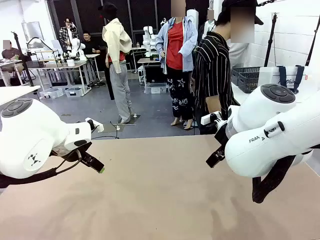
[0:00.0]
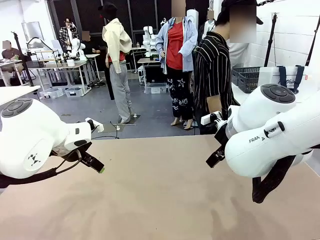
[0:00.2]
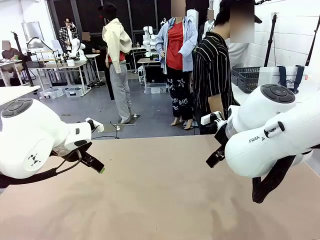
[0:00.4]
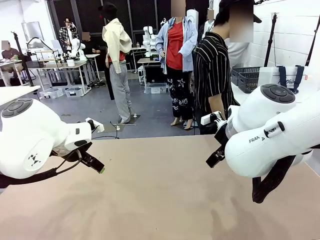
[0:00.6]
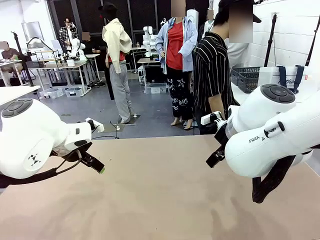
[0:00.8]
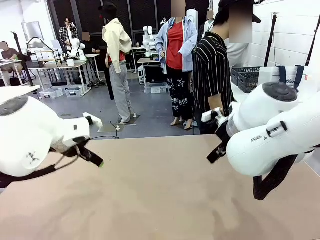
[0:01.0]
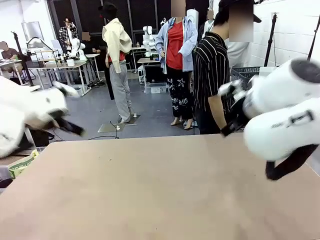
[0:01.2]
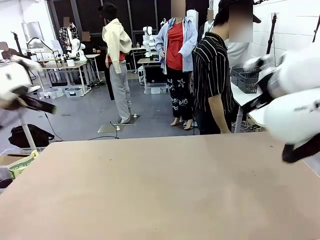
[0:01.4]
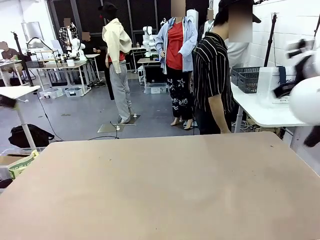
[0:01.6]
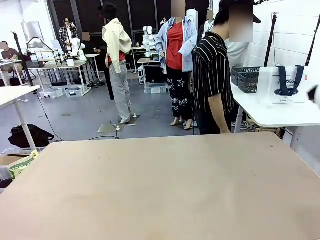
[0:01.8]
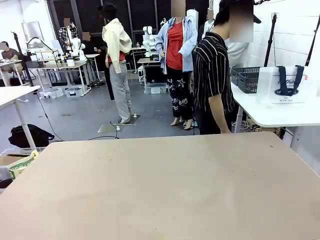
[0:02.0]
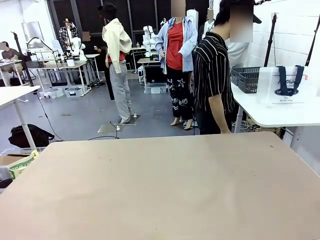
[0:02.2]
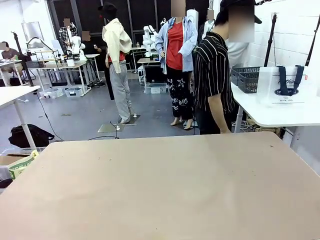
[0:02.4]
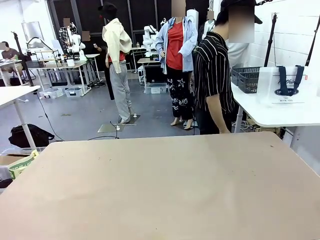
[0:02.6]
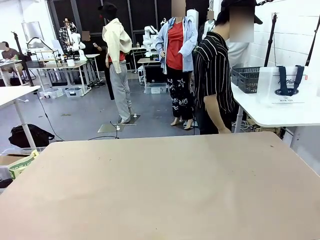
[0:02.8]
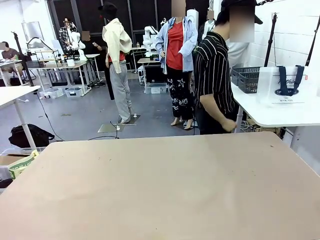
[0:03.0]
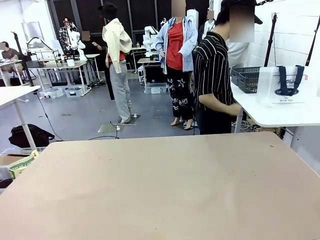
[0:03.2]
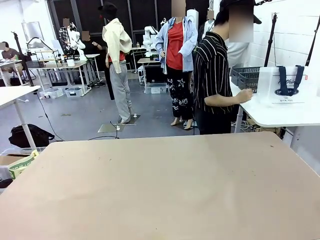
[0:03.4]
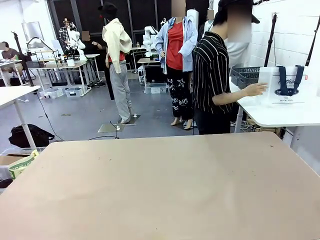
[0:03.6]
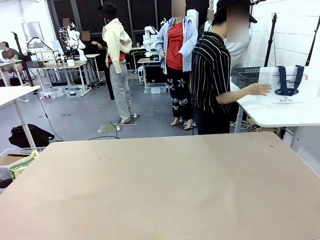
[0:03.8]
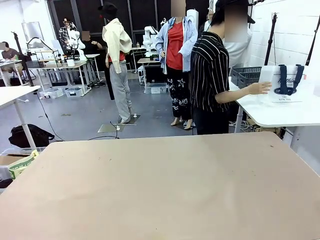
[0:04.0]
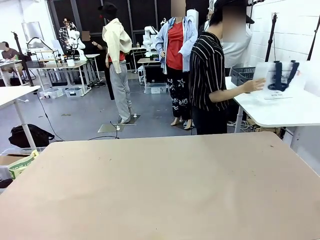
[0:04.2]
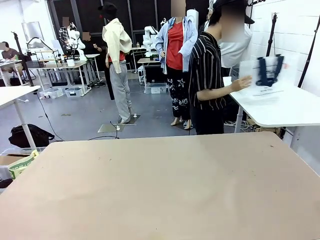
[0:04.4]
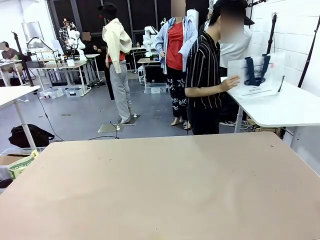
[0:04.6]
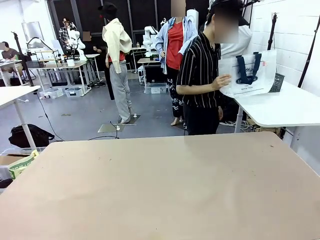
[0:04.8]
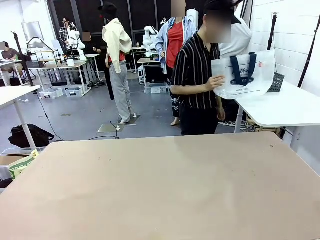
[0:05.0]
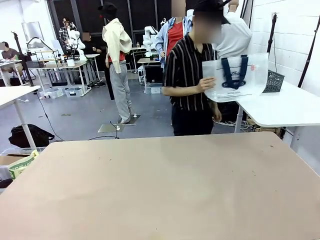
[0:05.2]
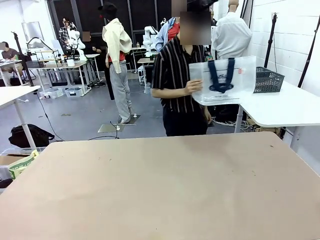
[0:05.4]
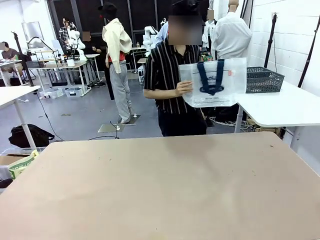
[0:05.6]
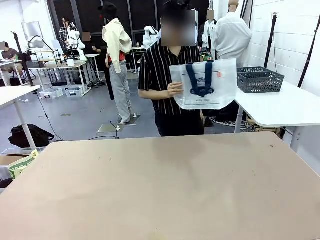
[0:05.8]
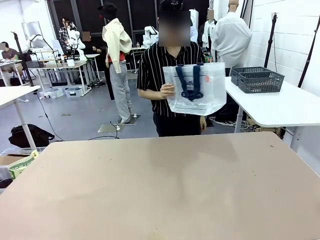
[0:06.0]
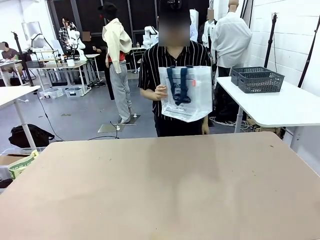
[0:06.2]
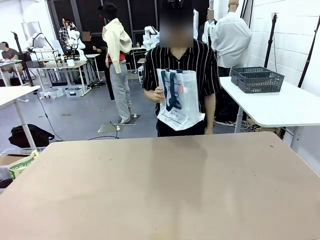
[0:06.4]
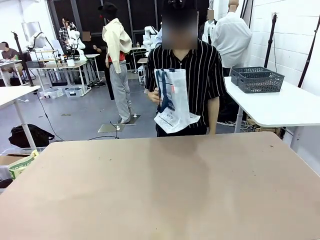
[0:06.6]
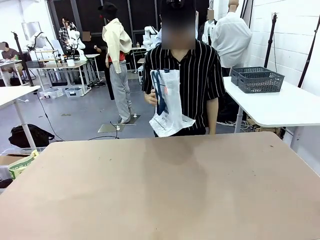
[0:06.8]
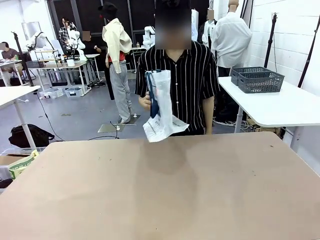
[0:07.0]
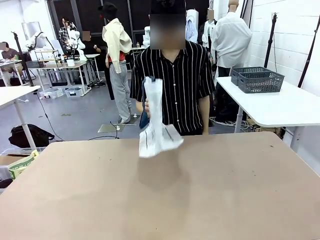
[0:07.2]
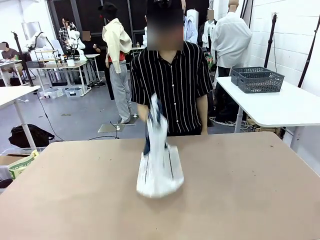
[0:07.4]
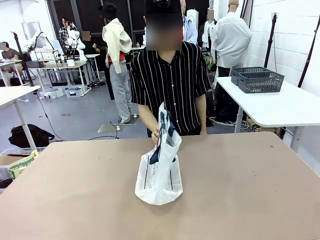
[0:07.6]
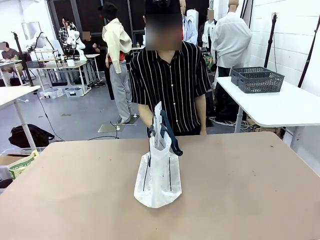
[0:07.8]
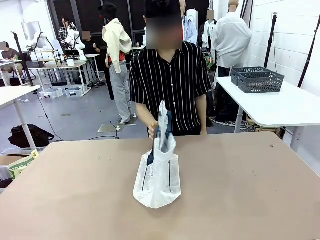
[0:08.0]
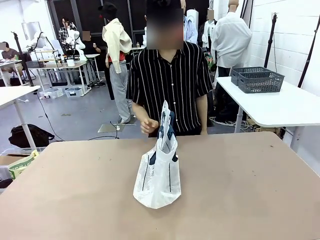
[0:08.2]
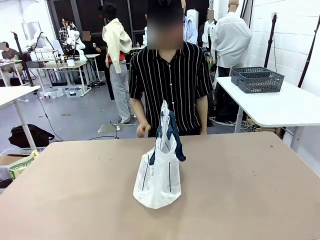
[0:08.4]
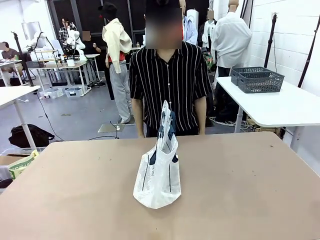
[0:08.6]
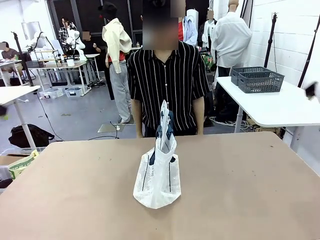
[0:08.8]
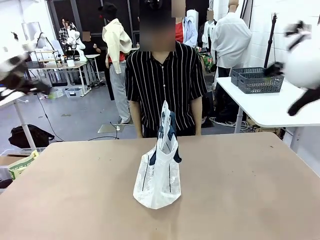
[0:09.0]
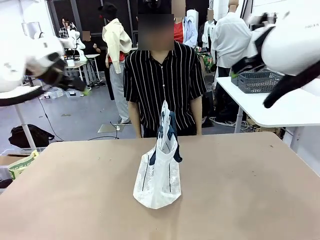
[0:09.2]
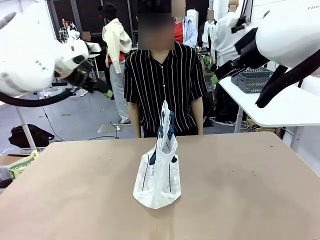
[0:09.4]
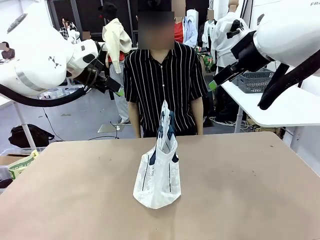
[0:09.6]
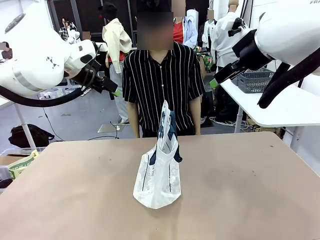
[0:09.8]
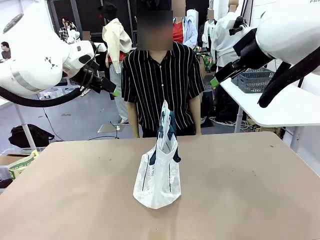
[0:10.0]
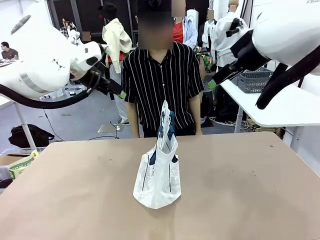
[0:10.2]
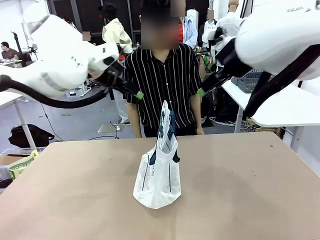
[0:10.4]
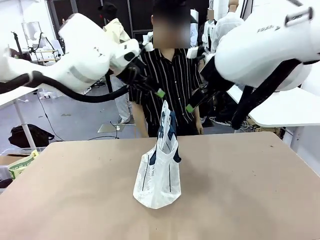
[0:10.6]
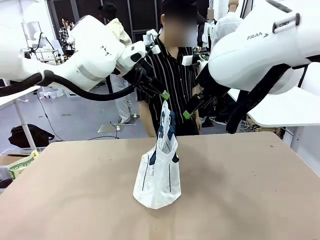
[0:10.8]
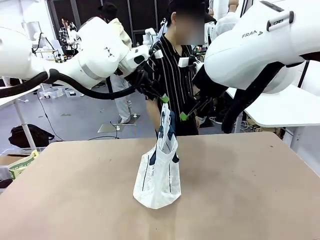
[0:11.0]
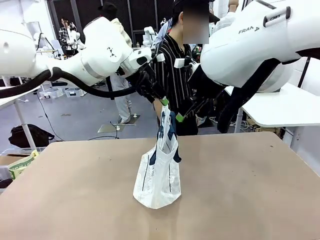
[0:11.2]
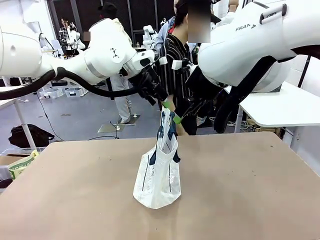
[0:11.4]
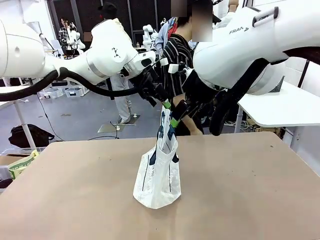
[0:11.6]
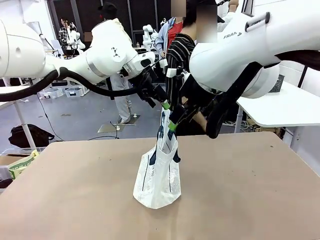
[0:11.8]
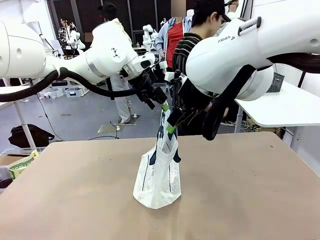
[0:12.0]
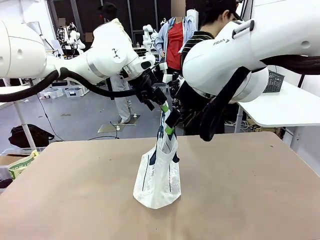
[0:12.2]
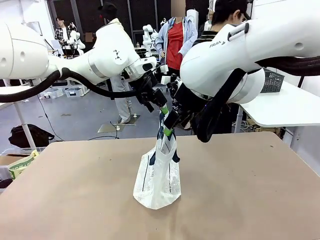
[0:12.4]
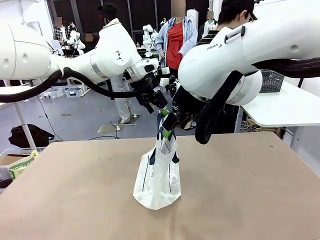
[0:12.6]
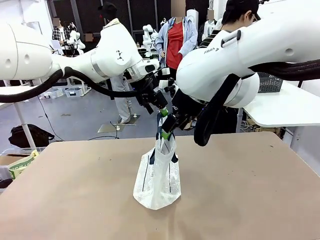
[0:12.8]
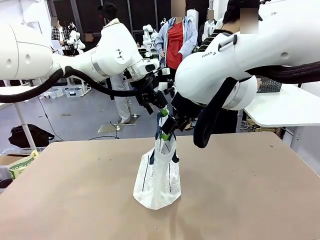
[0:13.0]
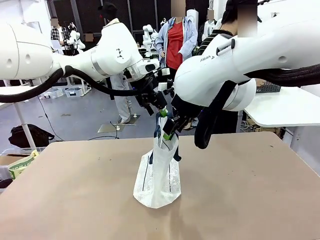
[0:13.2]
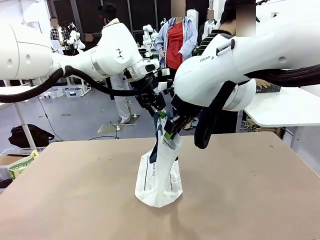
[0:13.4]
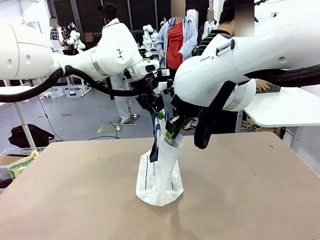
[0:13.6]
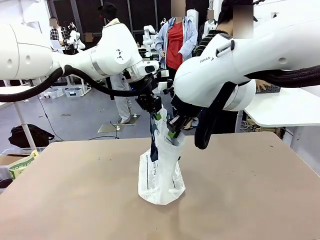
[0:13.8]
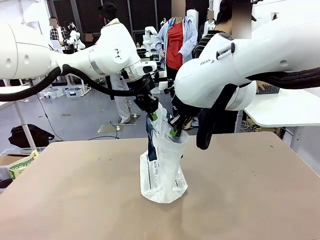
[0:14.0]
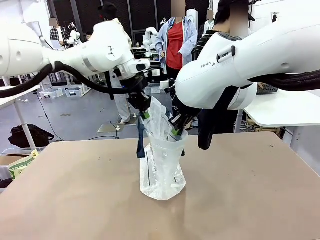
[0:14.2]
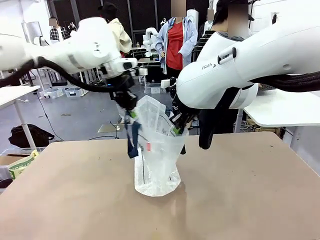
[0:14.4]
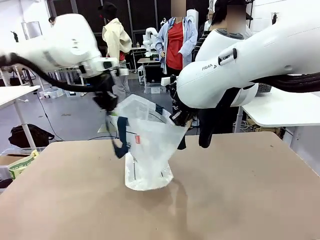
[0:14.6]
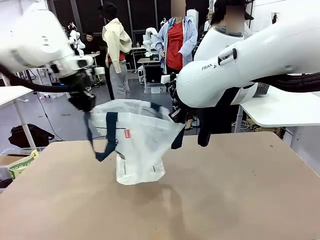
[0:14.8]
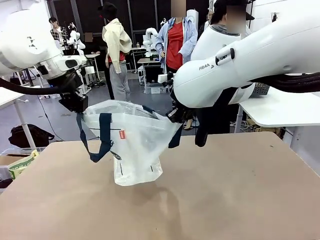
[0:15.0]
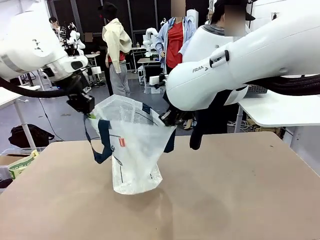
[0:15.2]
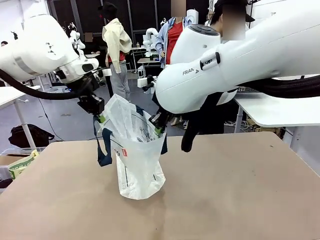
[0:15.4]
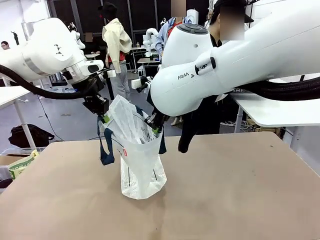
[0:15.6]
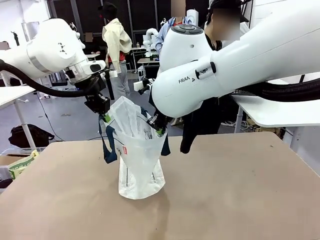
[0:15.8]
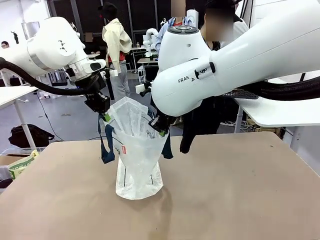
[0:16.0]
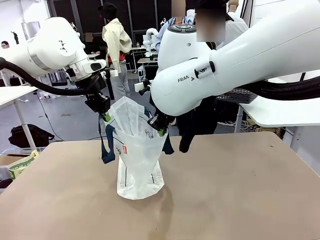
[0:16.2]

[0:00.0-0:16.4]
Task: Transfer purchased items from the store into the shopping bag.
Robot: Open the Reusable shopping bag in the center of the table.
Person: Pick up the shopping bag and place it in the middle of the robot table. Pick up the basket on the right, place it on the left side of the robot table, and move the items in the basket to the shopping bag.
